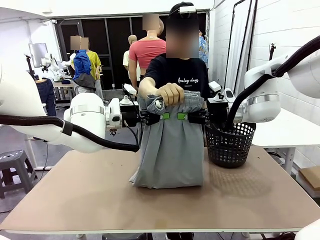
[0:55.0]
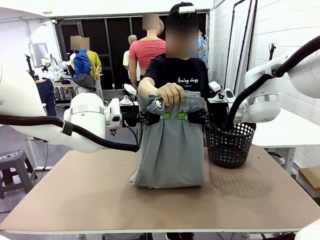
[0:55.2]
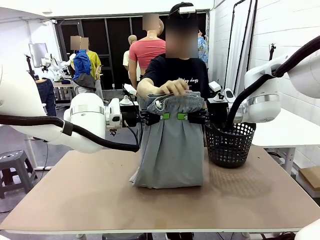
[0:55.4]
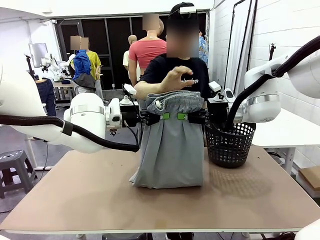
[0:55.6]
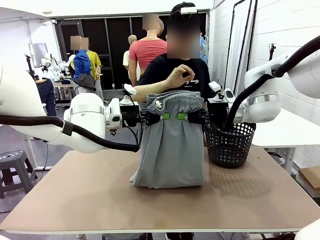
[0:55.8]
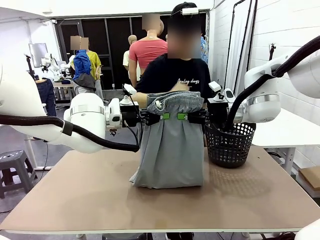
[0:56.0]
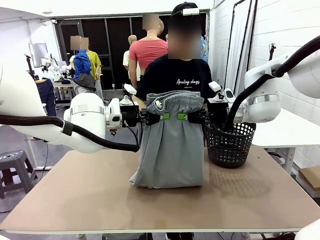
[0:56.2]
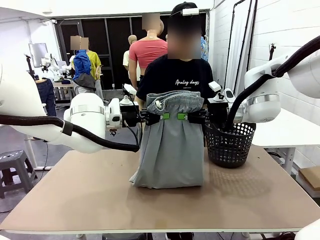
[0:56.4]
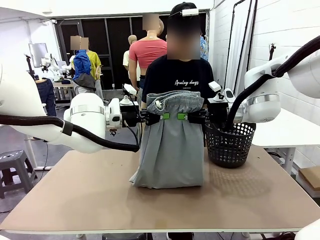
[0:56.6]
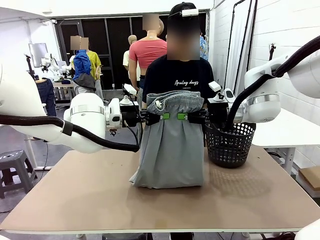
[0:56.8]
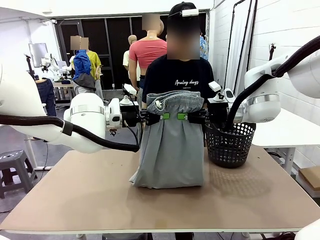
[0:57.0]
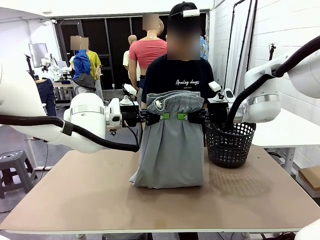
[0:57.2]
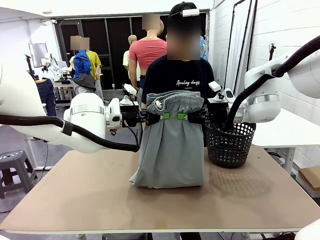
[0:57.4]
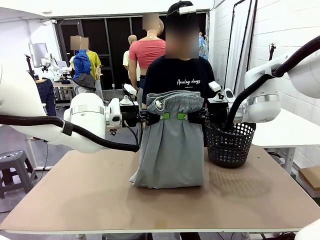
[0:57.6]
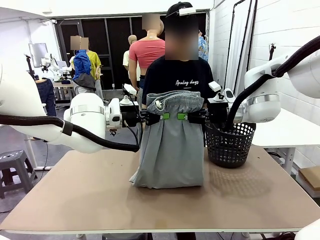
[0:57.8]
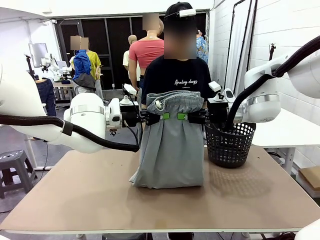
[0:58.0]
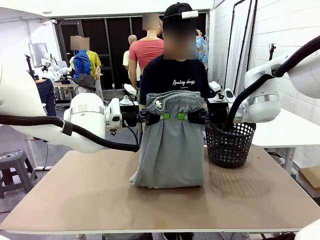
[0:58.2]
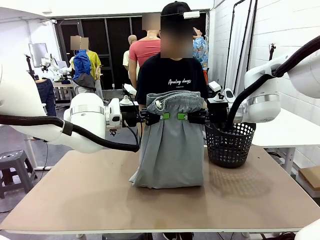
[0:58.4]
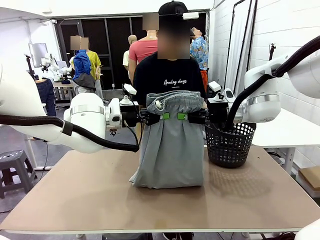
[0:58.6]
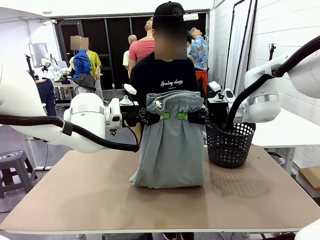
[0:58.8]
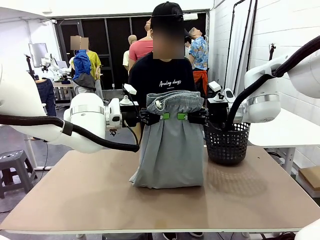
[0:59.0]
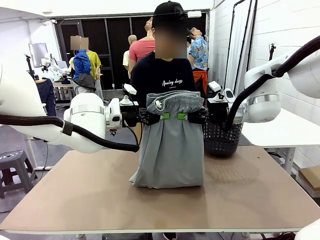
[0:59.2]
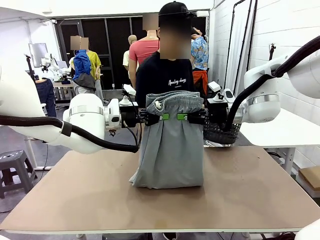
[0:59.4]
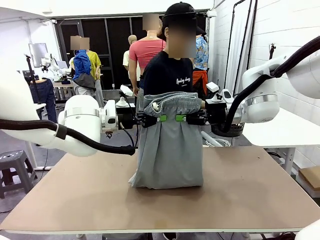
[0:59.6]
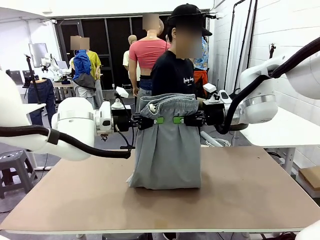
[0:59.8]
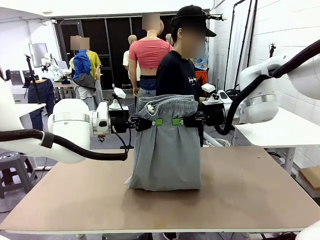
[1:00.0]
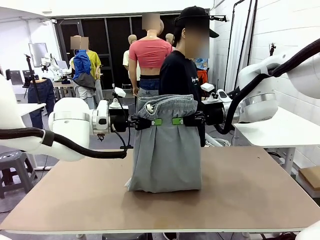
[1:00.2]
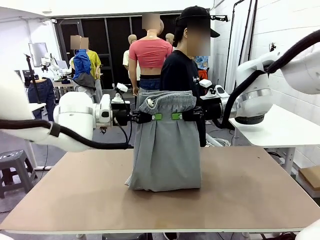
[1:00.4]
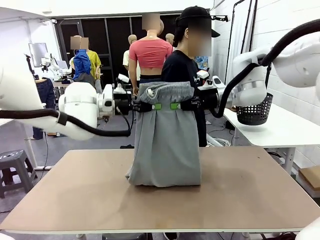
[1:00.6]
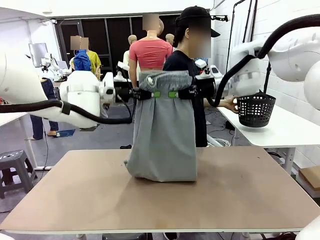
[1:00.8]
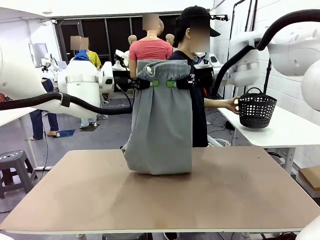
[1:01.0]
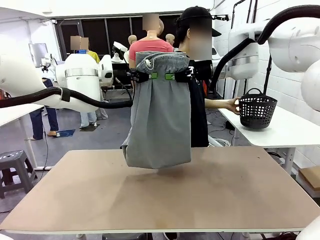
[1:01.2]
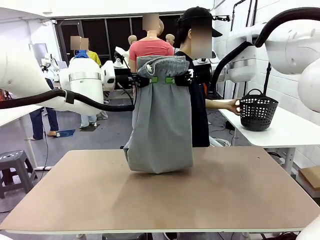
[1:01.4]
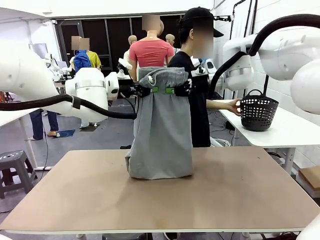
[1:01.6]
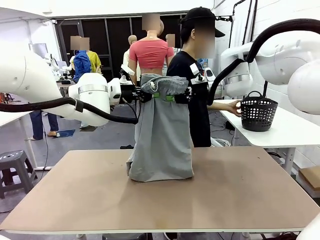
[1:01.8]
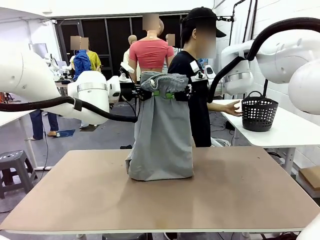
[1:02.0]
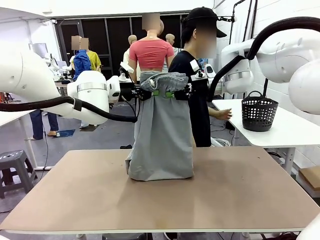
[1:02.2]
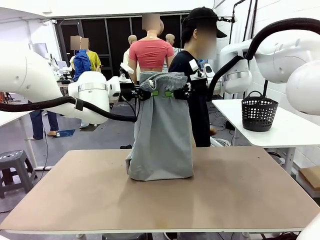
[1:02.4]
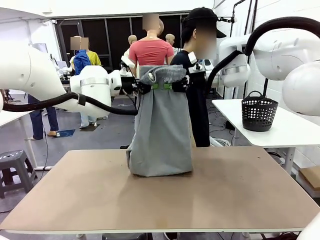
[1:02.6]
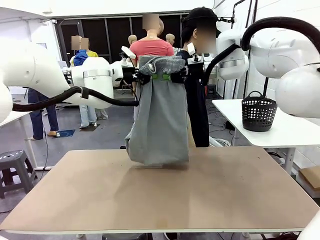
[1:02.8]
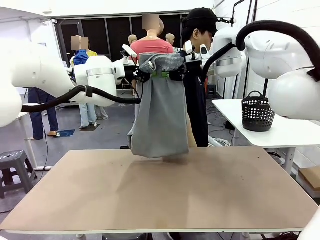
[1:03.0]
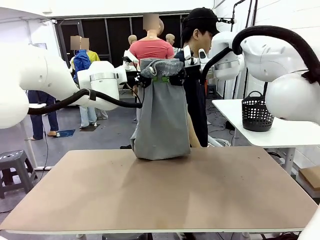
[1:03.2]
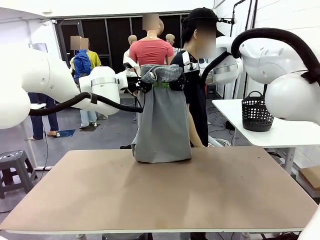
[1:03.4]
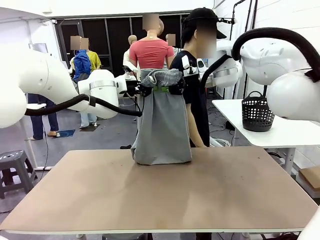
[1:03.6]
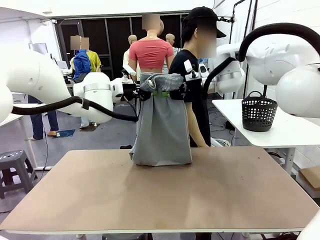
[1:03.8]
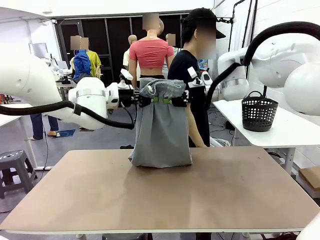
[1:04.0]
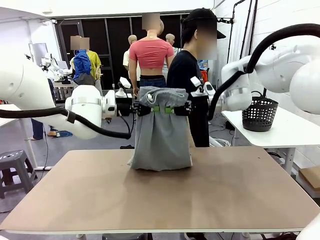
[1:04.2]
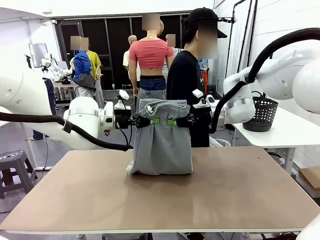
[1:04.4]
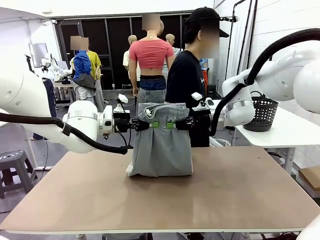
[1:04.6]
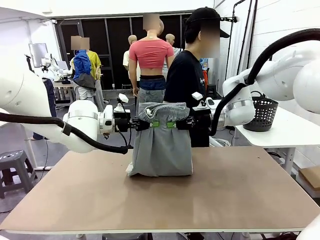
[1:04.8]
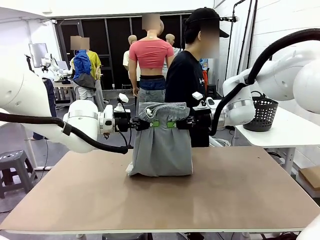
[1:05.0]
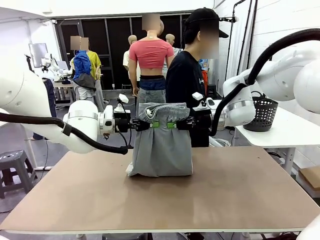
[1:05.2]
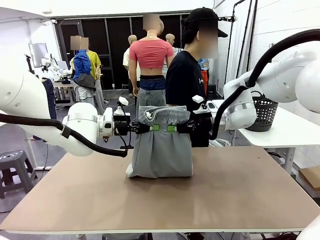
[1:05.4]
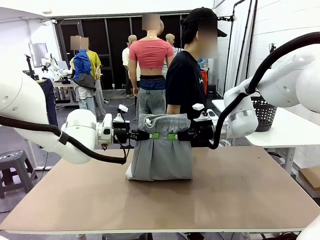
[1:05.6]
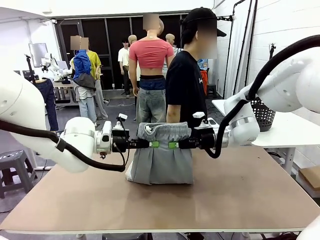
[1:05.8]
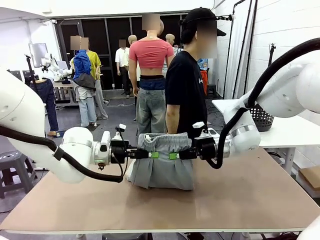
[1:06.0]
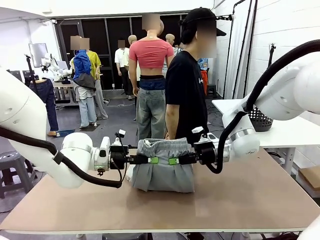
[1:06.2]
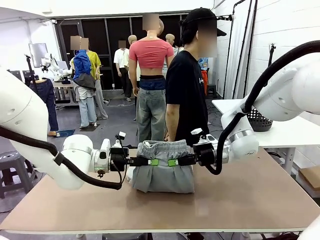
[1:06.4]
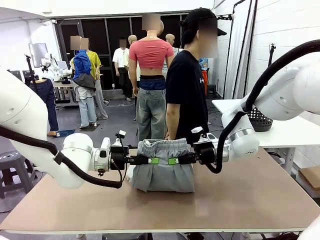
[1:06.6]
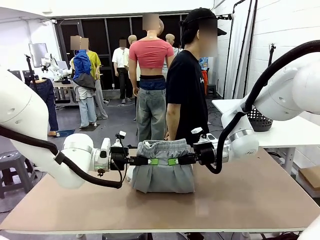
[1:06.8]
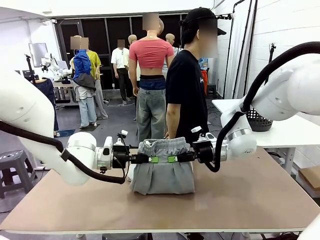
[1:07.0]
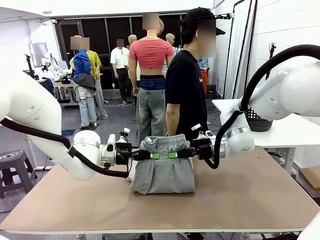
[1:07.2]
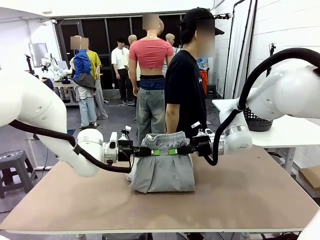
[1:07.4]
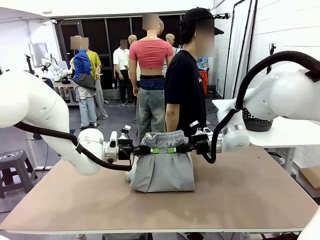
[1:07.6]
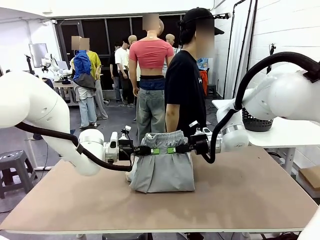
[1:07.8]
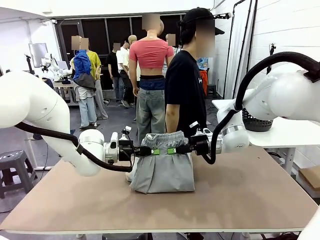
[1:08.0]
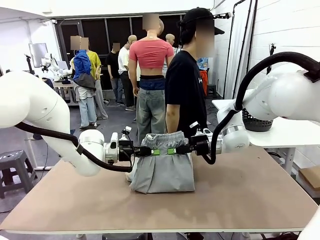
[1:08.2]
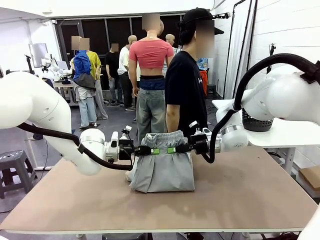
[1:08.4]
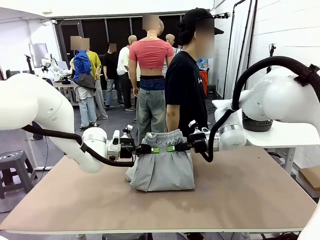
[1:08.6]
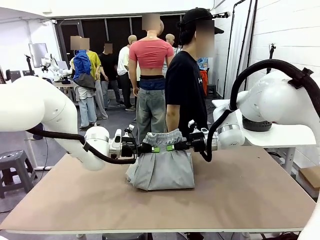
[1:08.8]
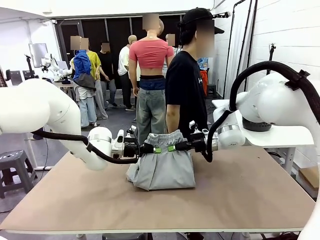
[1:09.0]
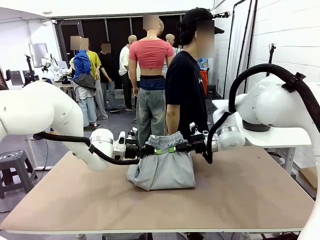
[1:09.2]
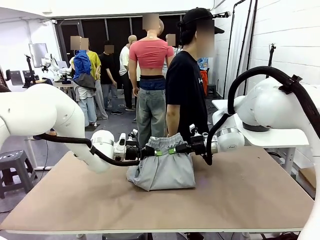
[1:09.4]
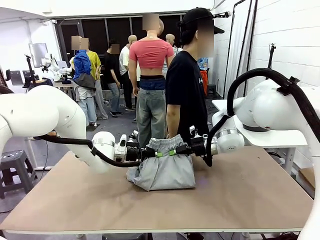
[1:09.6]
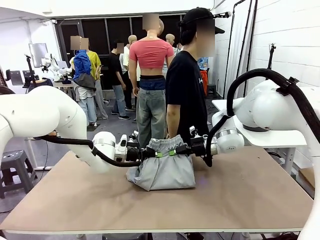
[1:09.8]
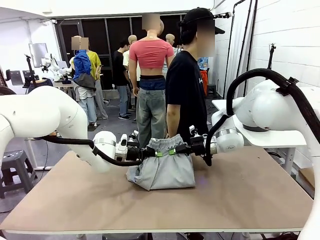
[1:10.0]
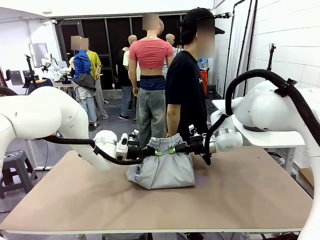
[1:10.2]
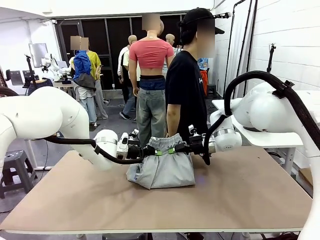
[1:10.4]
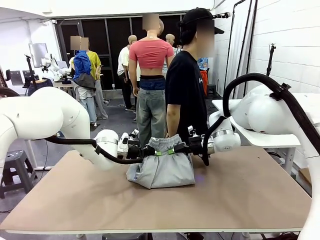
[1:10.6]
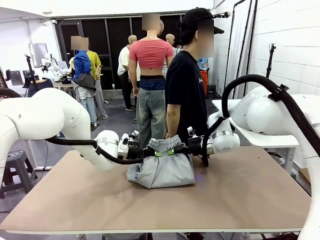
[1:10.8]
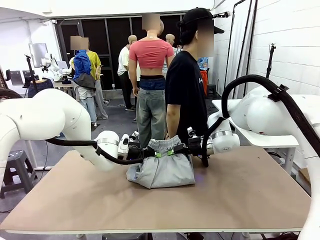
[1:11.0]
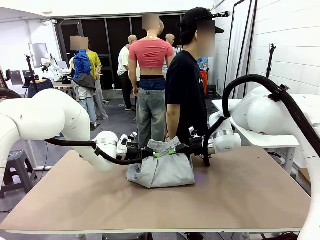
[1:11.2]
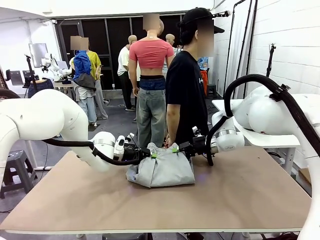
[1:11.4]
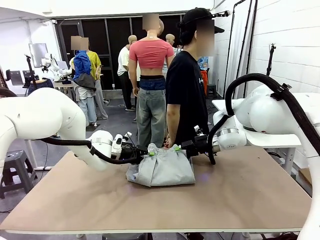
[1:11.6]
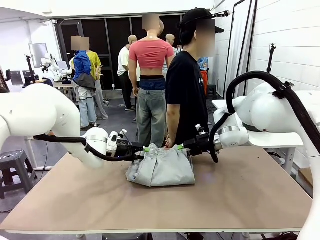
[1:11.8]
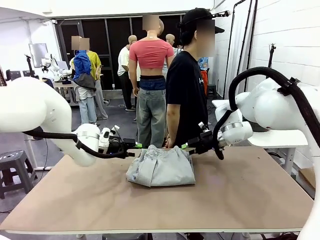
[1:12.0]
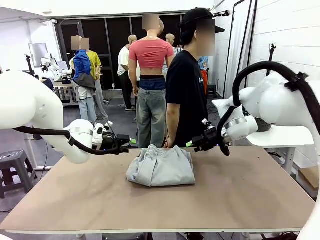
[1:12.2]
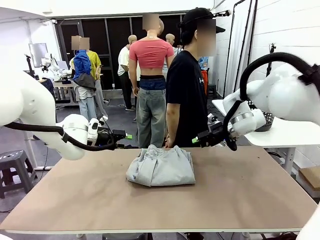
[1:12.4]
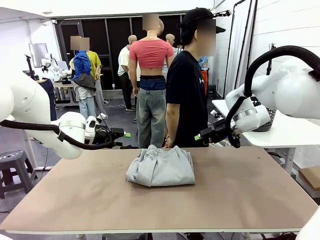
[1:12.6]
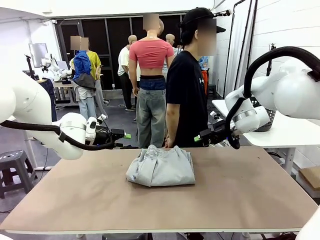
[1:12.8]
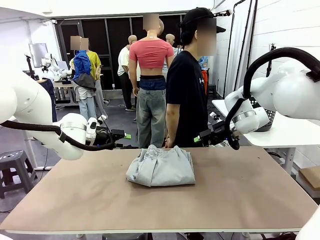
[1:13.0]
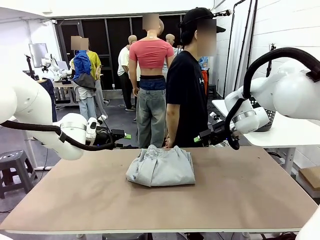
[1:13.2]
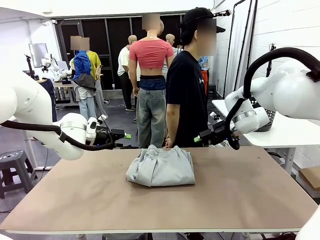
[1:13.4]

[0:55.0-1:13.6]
Task: Fold the training pants.
Robot: Fold the Training pants in half.
Person: Move the laundry basket to the right of the human table.
